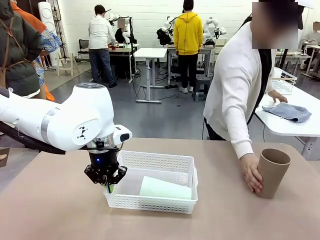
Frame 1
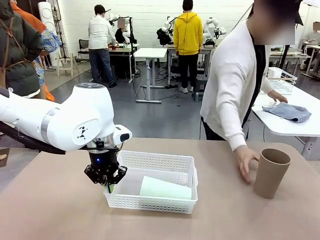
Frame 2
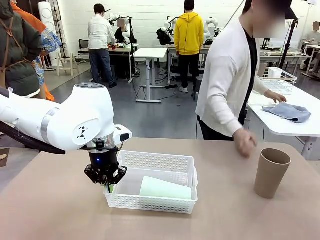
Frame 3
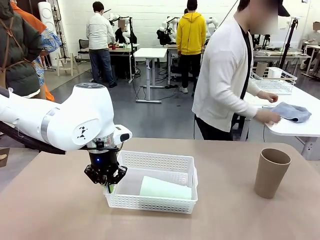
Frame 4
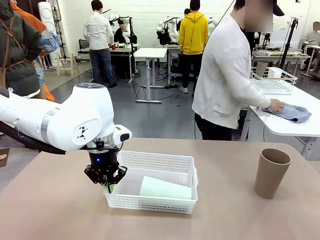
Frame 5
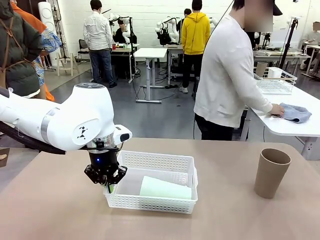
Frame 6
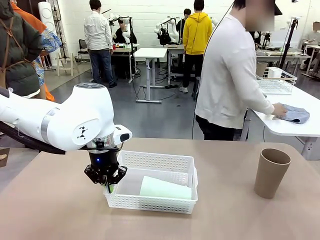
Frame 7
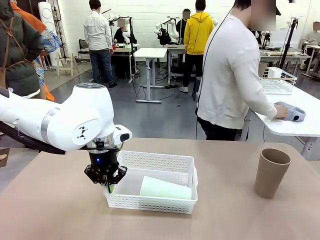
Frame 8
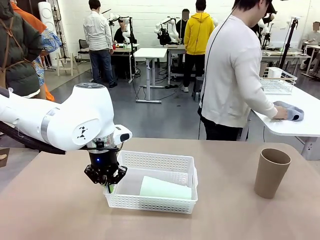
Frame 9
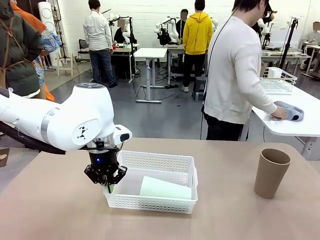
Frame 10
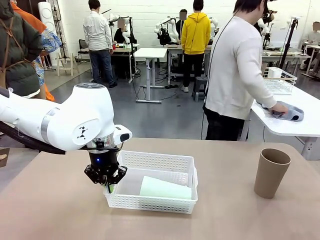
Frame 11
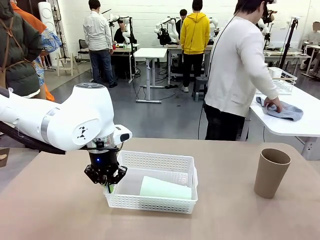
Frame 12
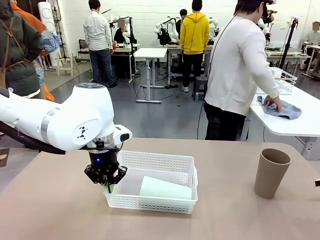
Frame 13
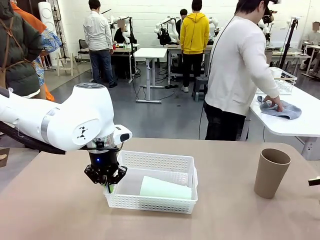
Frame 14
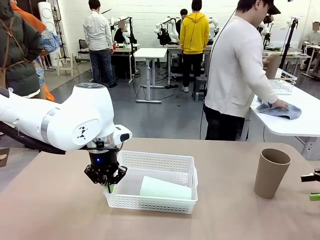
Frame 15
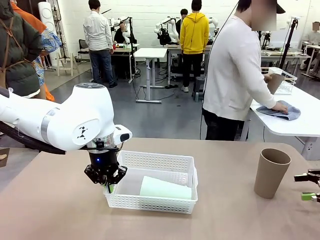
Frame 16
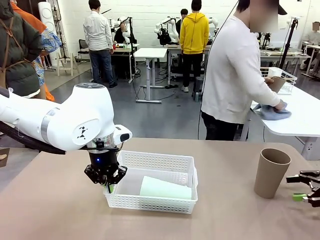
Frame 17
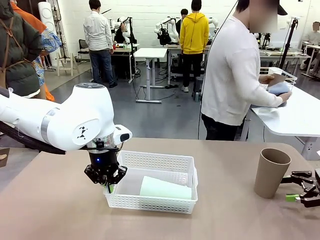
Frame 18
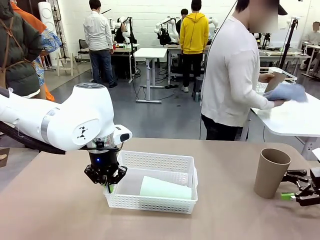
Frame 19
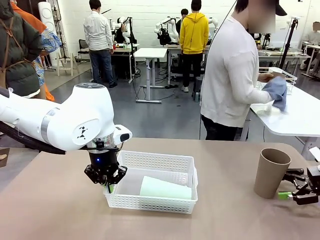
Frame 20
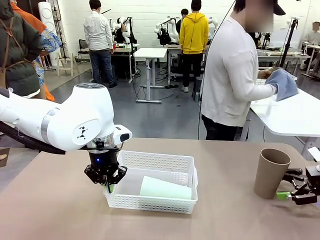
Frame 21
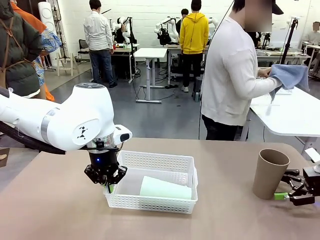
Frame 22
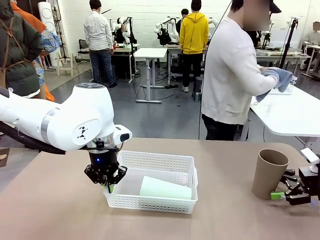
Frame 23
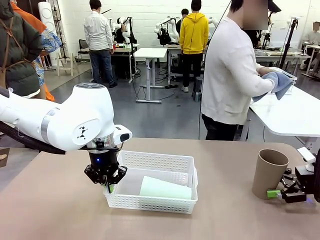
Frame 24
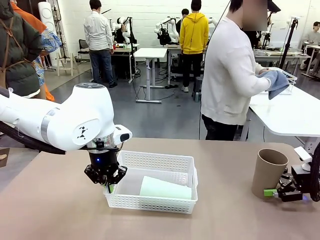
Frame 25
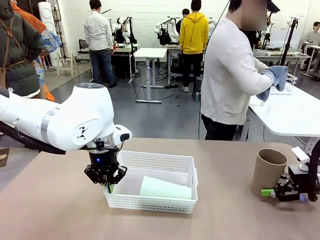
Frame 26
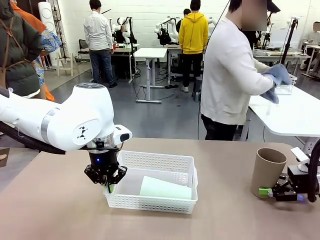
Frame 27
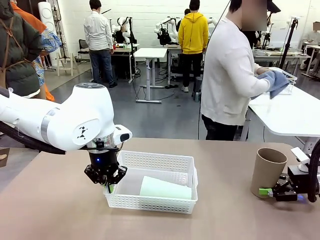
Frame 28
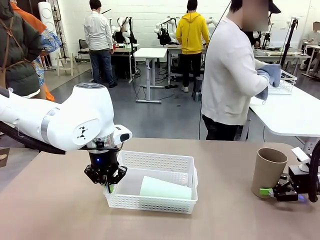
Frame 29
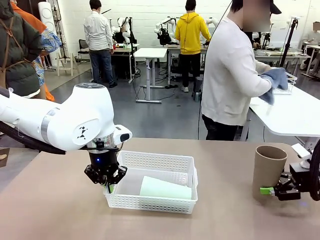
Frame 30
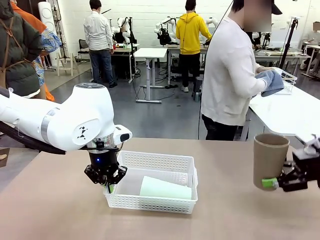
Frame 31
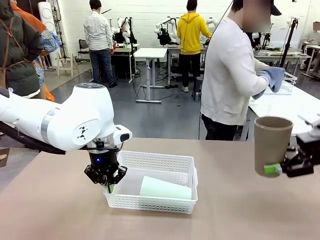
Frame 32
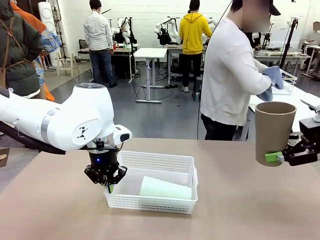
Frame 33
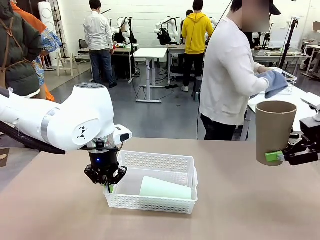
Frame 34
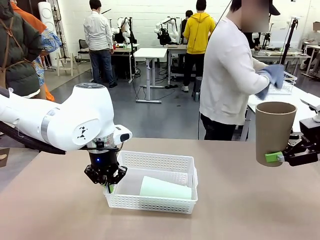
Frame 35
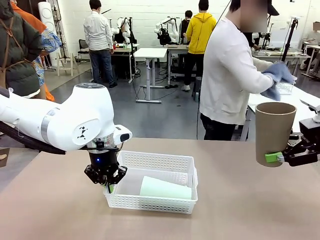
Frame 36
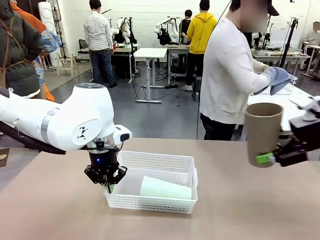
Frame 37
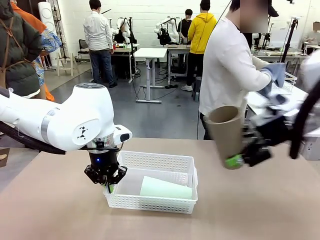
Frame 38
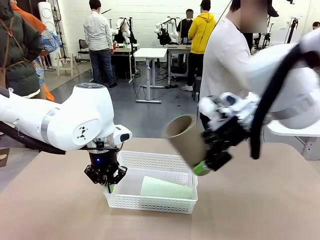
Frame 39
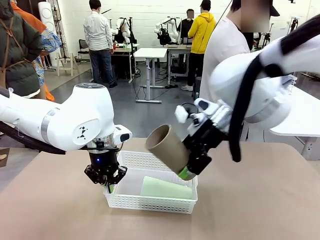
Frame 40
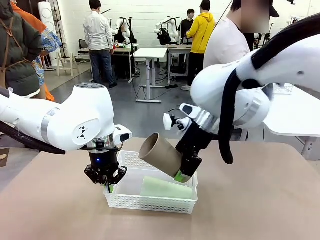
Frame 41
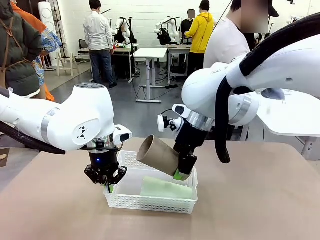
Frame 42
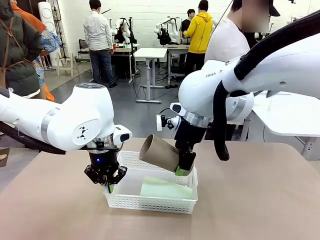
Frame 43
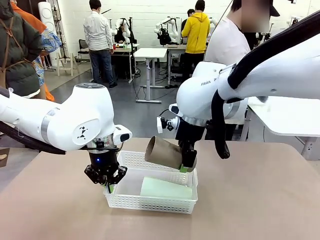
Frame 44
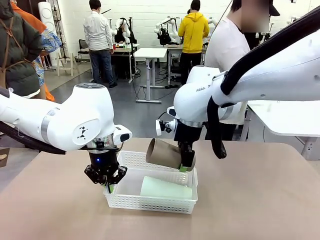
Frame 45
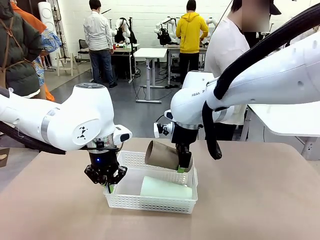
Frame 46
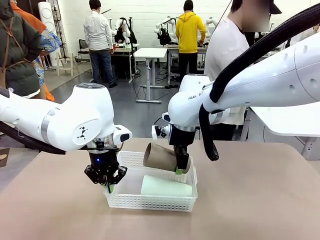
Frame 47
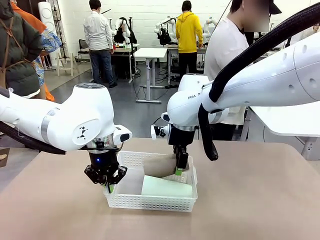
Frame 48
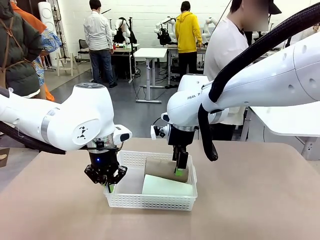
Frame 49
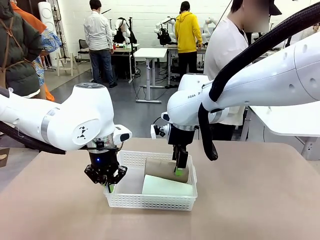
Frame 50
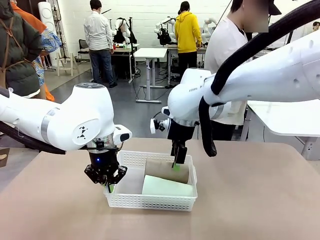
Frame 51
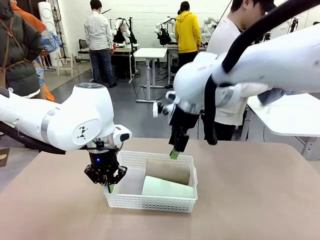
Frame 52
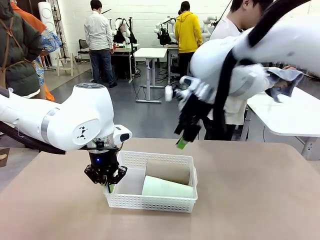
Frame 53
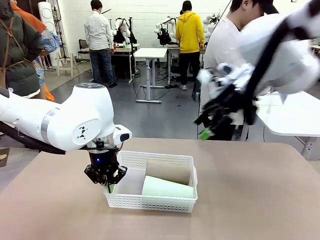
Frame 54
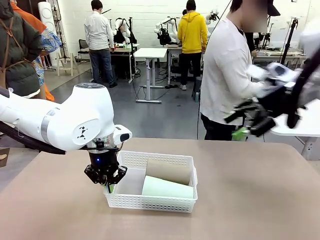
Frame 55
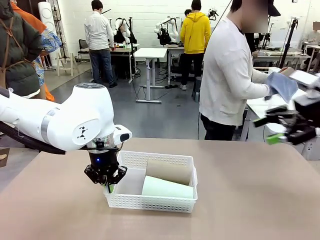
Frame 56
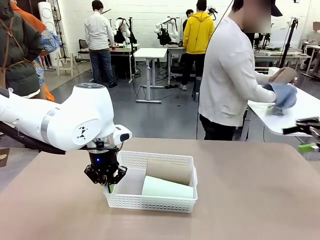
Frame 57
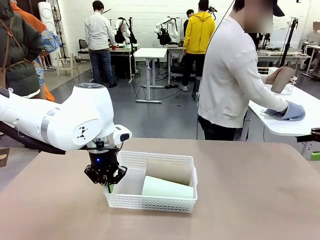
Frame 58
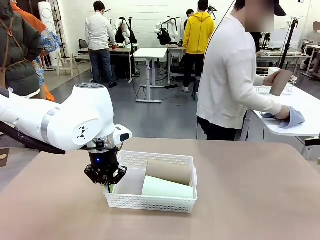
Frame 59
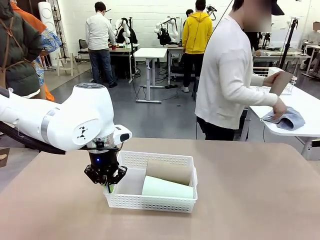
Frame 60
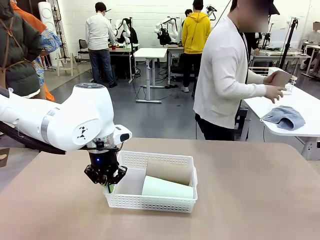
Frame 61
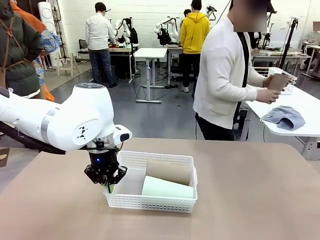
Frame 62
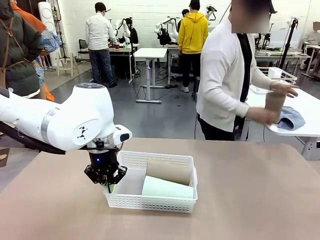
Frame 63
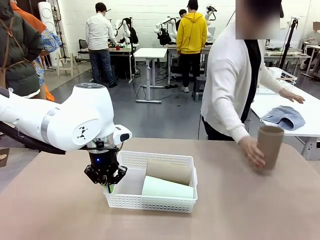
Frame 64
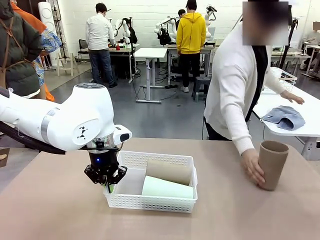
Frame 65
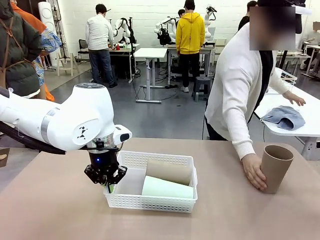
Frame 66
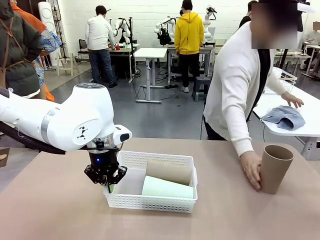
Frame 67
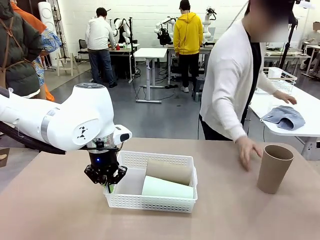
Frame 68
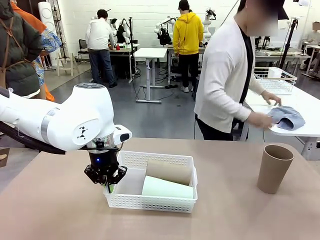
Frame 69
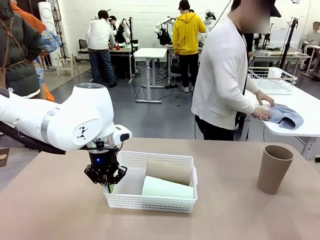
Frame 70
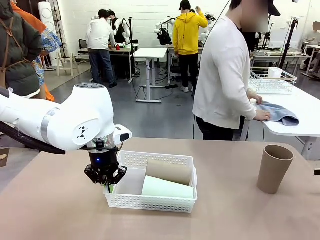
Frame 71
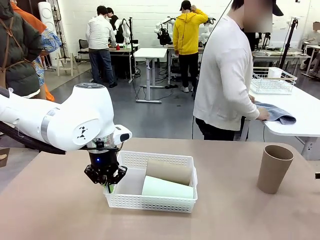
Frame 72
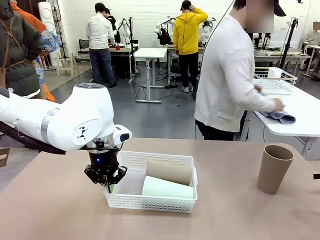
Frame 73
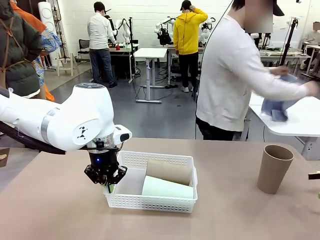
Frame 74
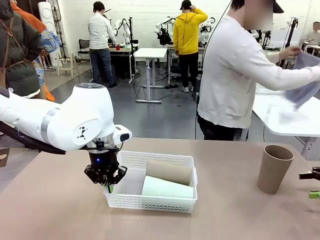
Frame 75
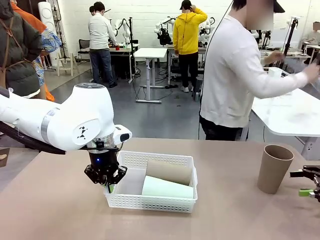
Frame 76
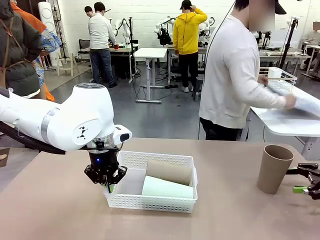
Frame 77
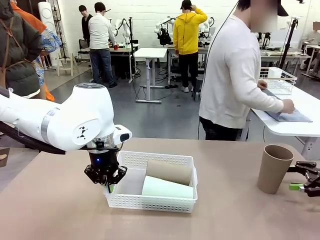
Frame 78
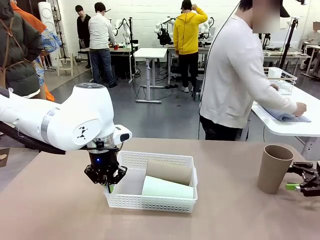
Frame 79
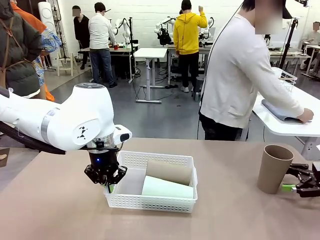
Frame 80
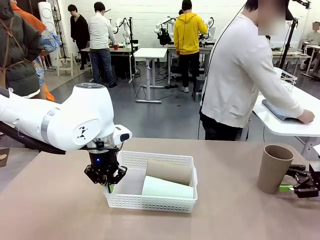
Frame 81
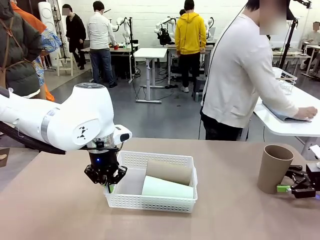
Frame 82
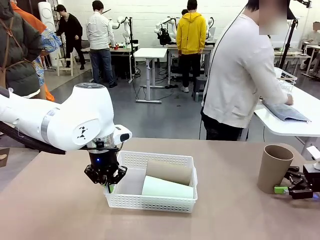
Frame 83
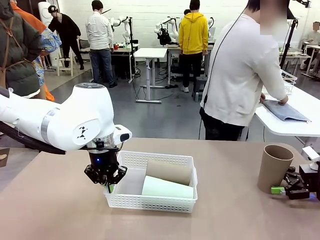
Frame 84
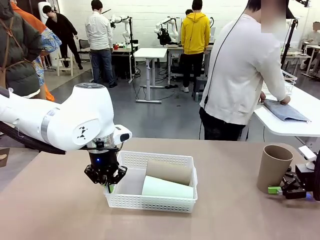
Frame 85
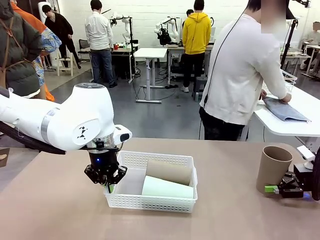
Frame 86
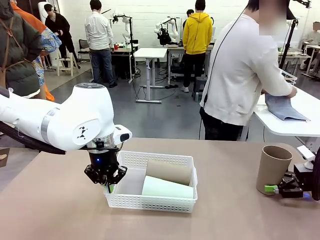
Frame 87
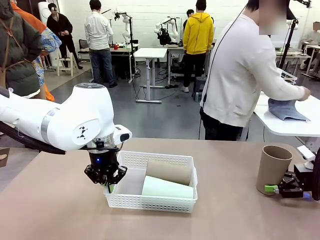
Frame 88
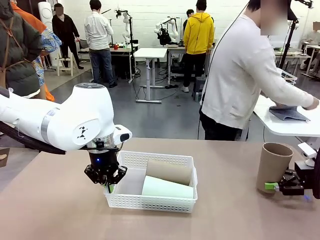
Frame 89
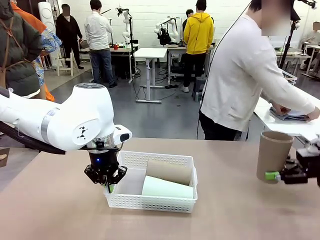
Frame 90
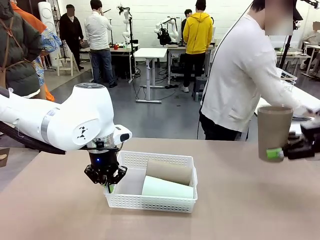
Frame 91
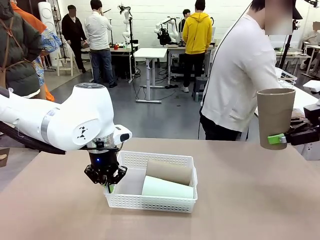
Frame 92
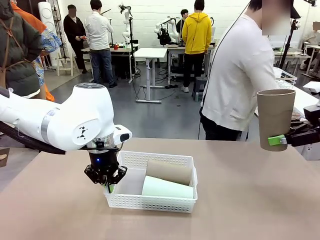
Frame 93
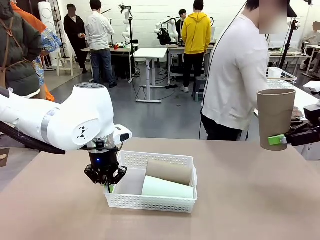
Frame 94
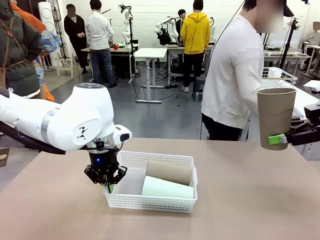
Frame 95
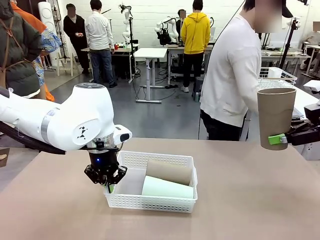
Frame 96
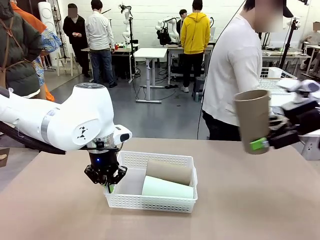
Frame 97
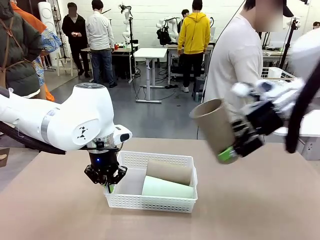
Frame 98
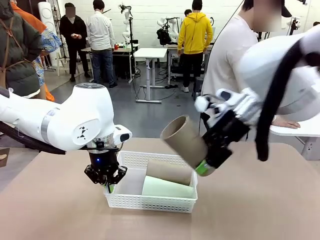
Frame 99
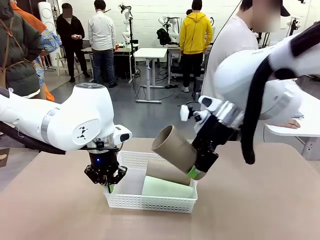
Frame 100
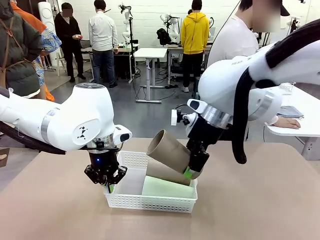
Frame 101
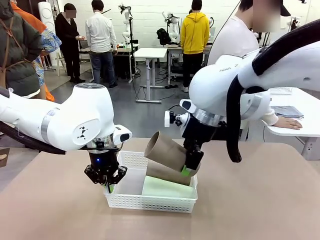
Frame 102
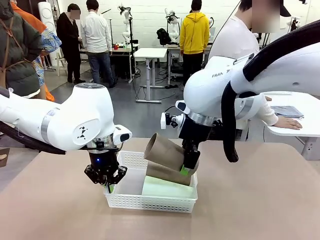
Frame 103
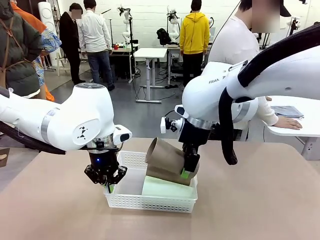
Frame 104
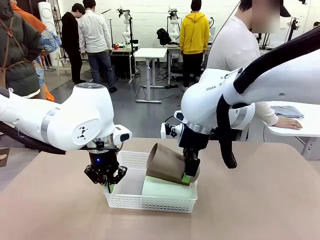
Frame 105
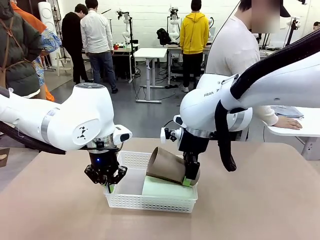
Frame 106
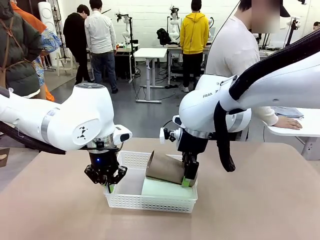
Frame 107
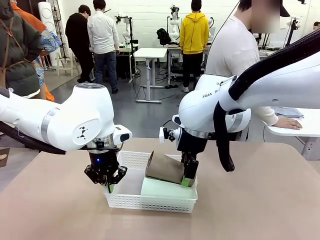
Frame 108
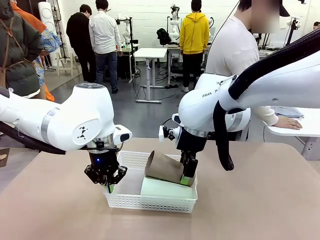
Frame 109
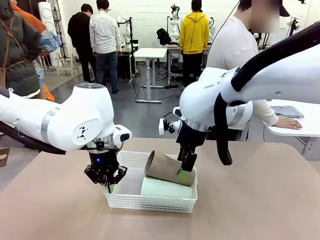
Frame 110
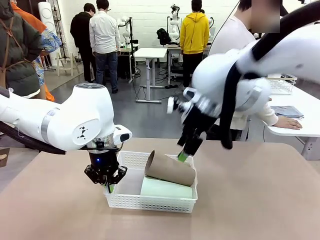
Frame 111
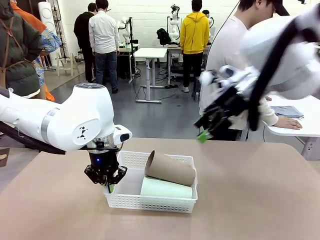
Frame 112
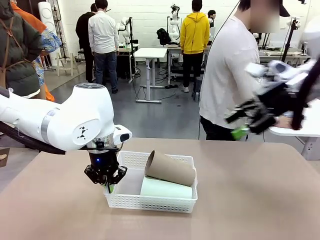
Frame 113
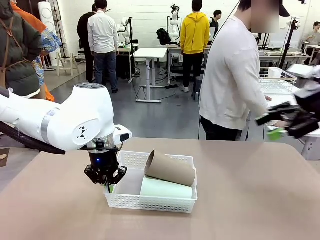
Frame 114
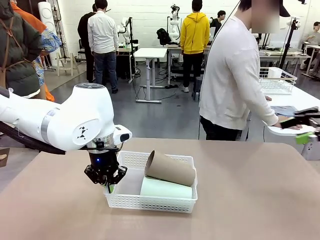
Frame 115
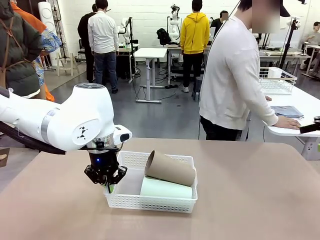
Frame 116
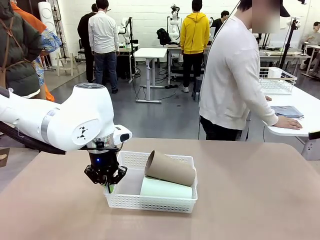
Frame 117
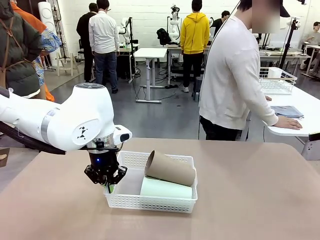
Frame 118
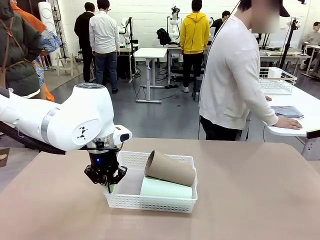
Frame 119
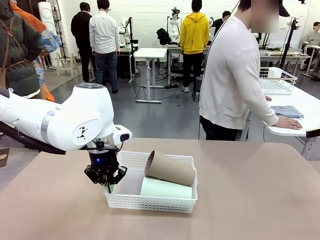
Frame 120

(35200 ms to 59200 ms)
Task: Clean and organize the cups into the basket.
Robot: Pick up the Reusable plastic cup from the right side of the table and stack it inside the Organizing basket in the center of the table.
Person: Folds the towel in half twice and places it in the right of the table.
